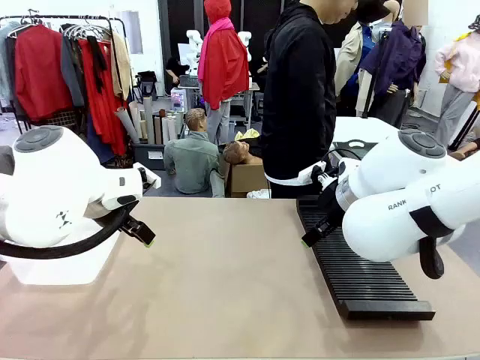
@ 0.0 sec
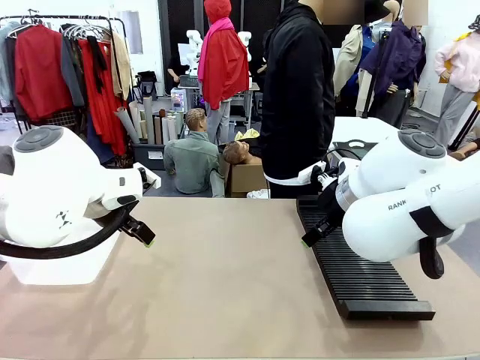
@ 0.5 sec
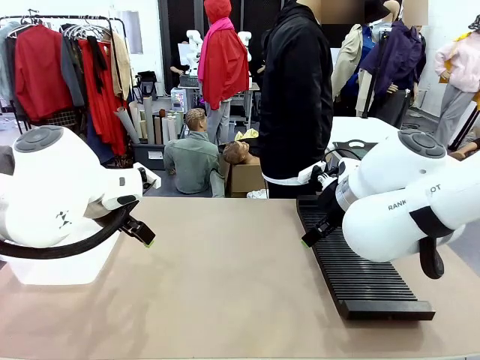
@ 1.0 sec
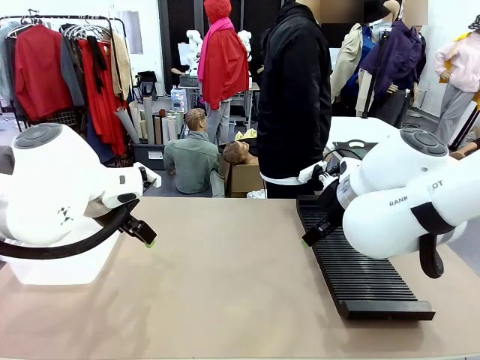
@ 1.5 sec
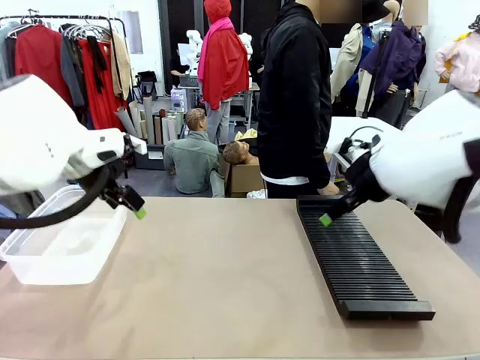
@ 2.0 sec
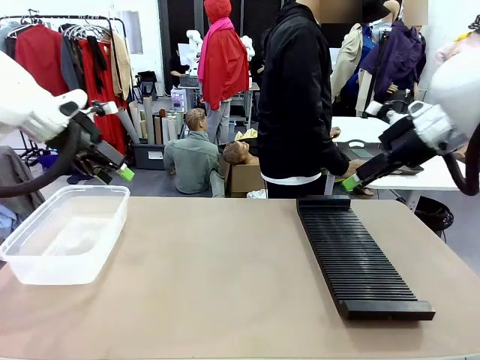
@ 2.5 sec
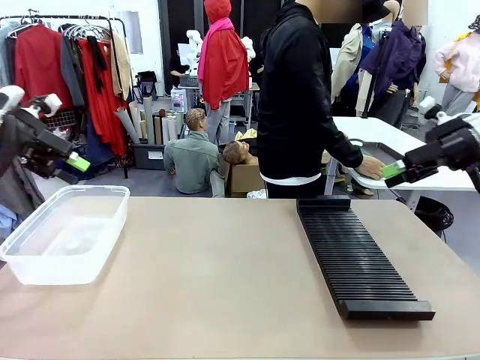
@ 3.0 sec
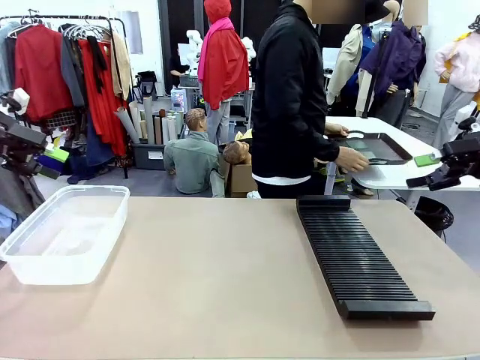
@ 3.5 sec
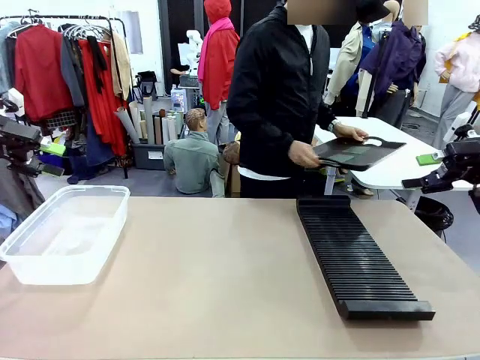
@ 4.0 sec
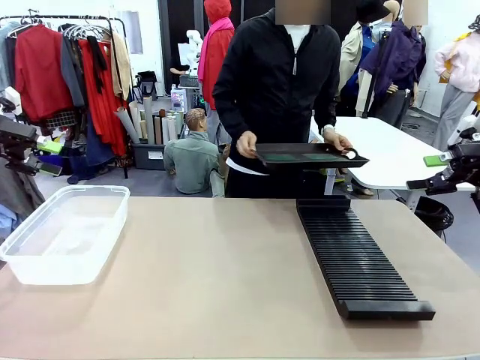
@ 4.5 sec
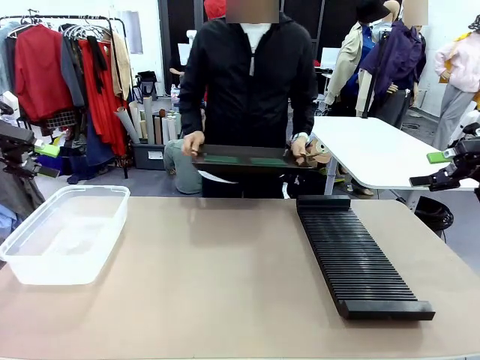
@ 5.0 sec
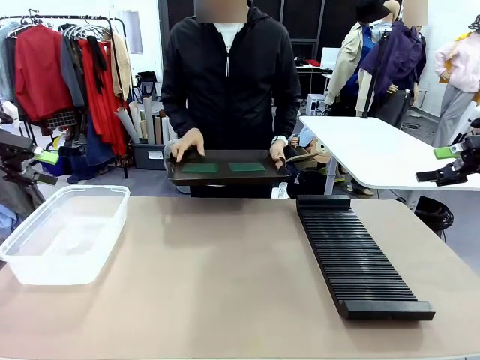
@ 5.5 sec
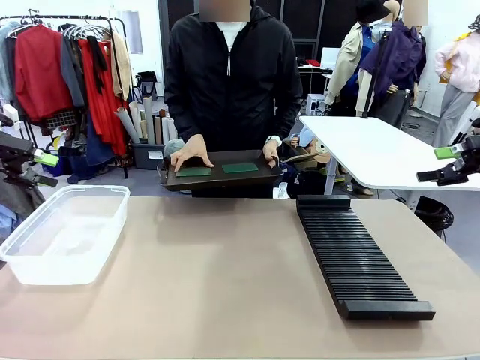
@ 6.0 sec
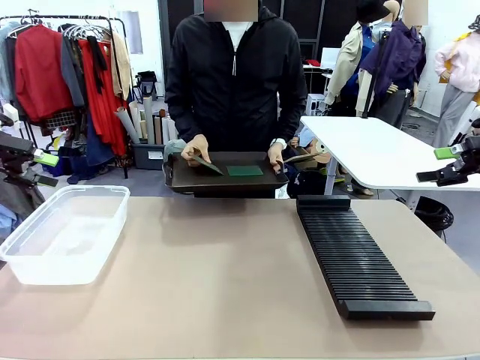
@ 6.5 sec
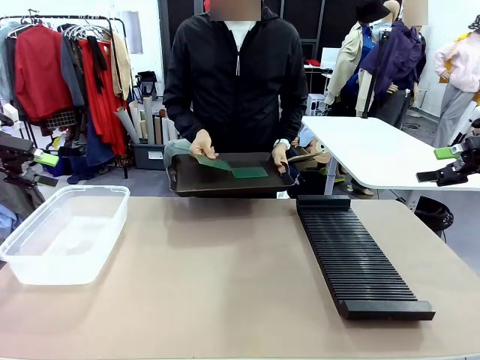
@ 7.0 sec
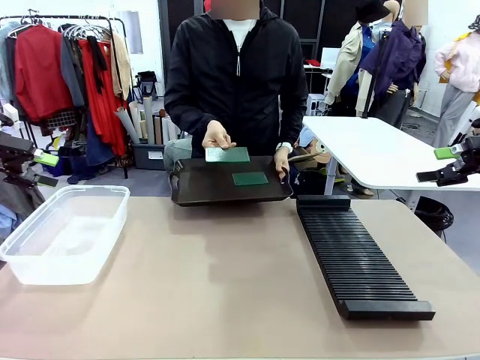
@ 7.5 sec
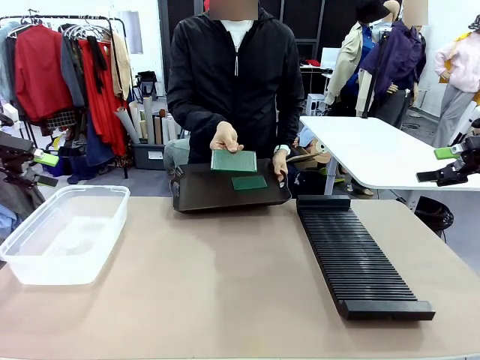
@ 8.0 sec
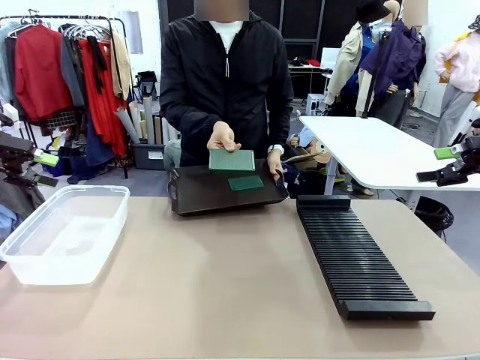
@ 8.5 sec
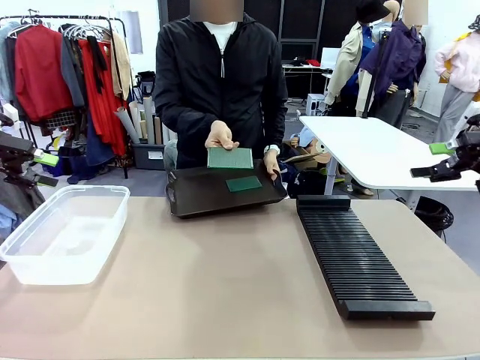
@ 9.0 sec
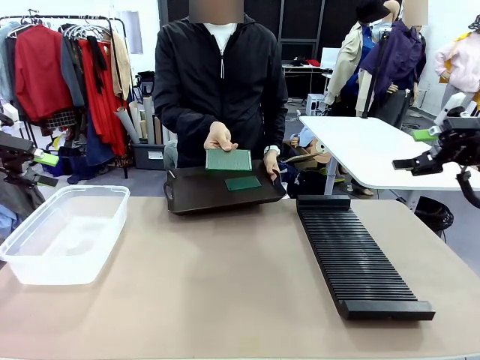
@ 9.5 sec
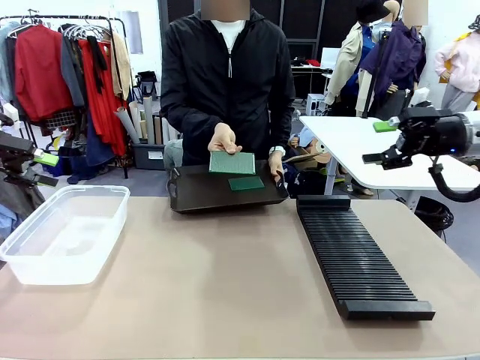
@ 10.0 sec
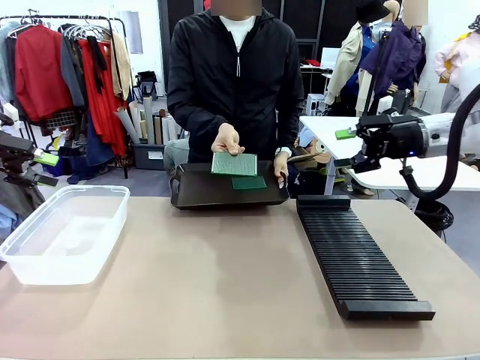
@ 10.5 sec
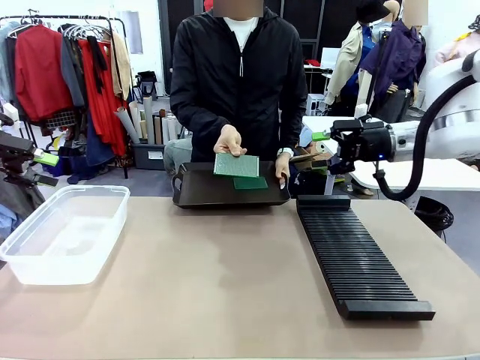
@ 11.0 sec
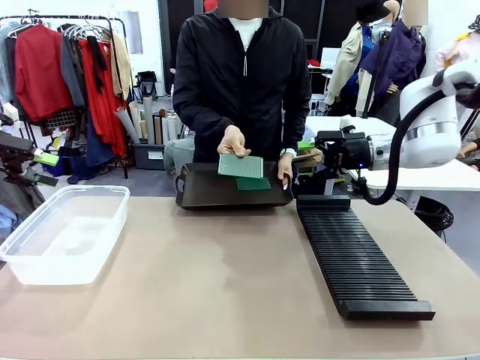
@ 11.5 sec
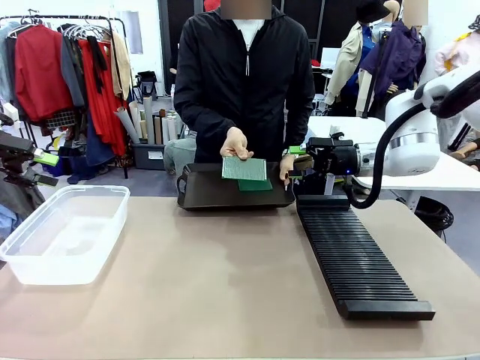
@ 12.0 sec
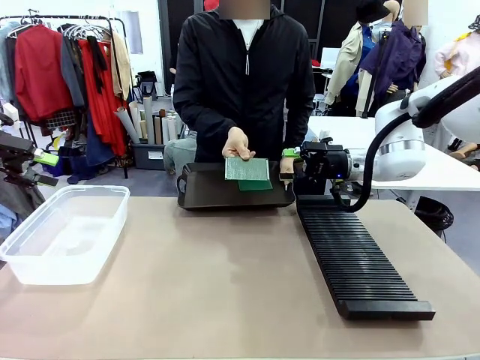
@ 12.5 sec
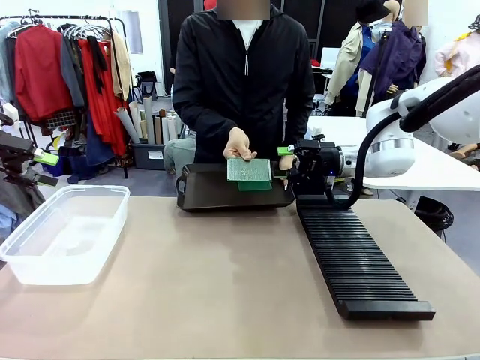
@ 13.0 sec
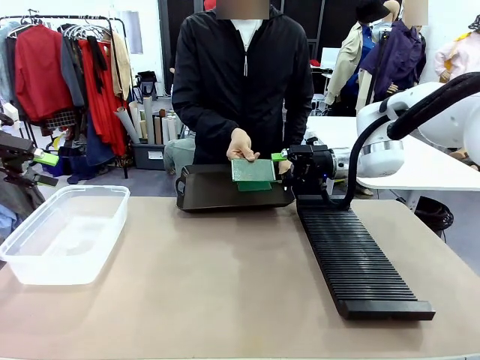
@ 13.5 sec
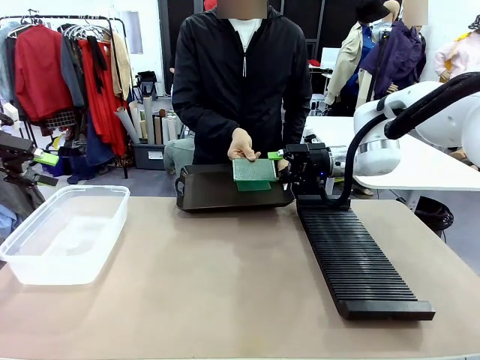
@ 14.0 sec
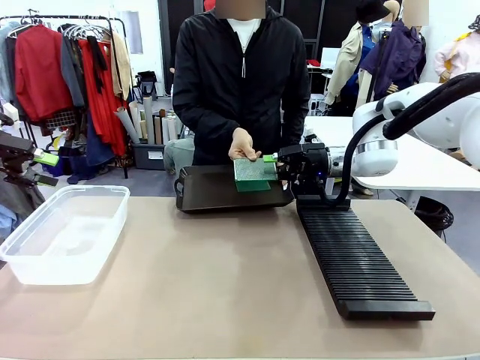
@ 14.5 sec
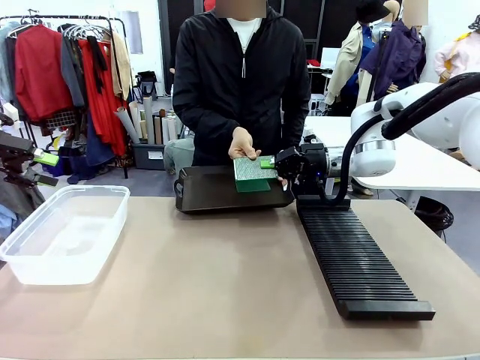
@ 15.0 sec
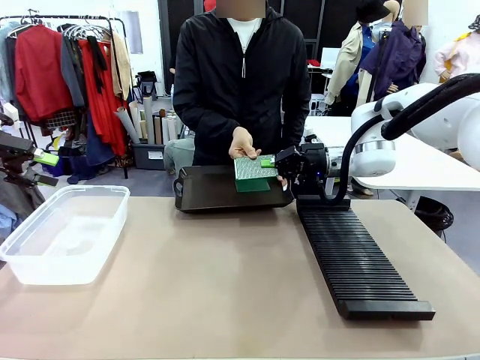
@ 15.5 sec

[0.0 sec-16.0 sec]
Task: Sort PCBs into racks and boxes based on the side picked up.
Robot: Pick up the Blank PCB handed by the Human.
Person: Pick one PCB from the tray and present it to the robot. Release the PCB being held.
